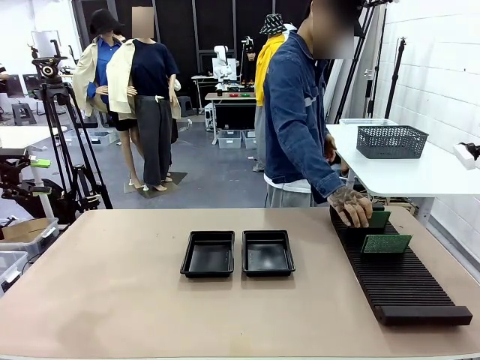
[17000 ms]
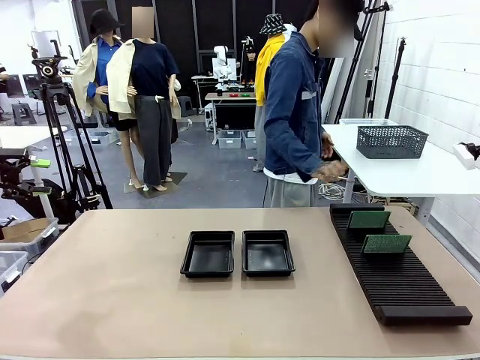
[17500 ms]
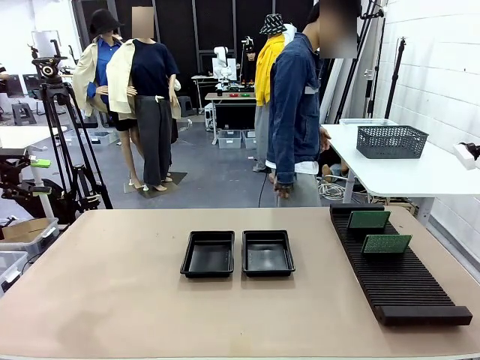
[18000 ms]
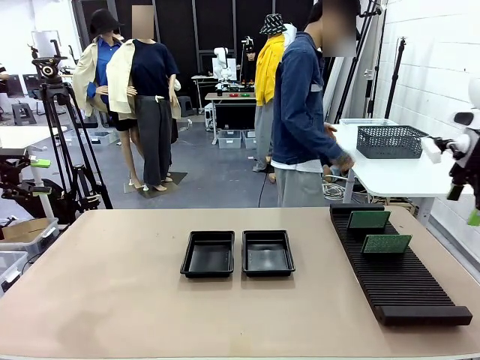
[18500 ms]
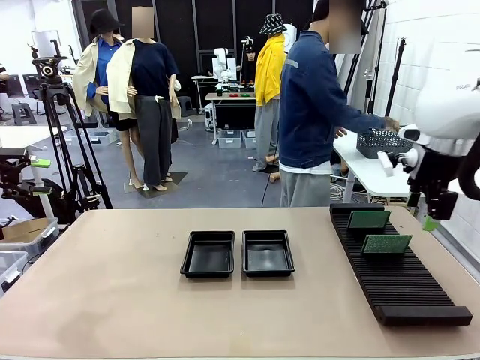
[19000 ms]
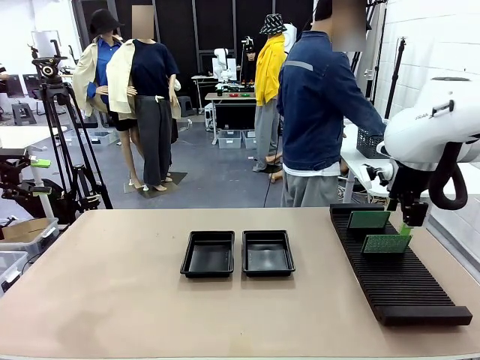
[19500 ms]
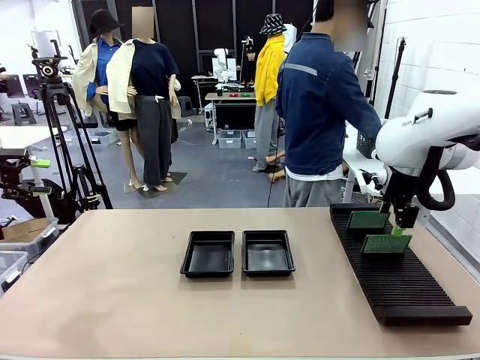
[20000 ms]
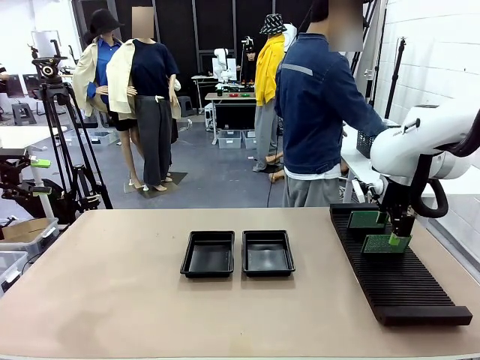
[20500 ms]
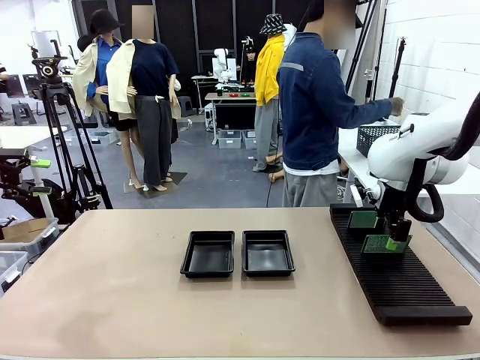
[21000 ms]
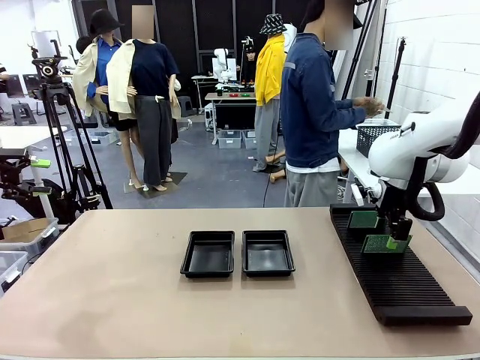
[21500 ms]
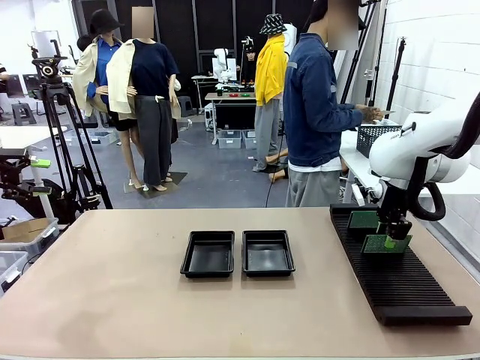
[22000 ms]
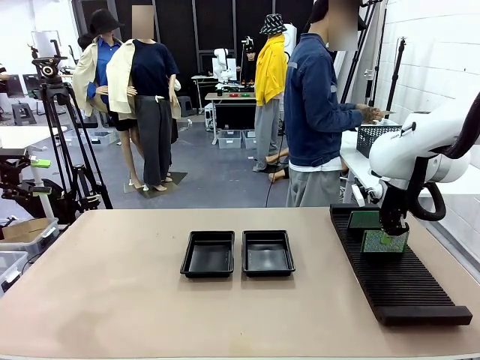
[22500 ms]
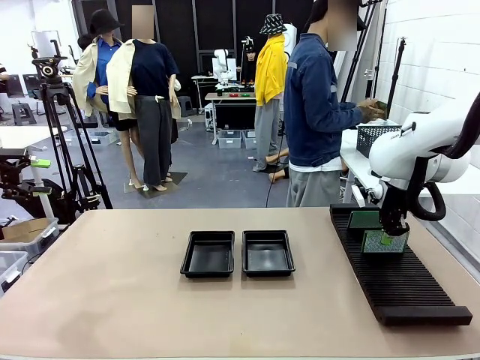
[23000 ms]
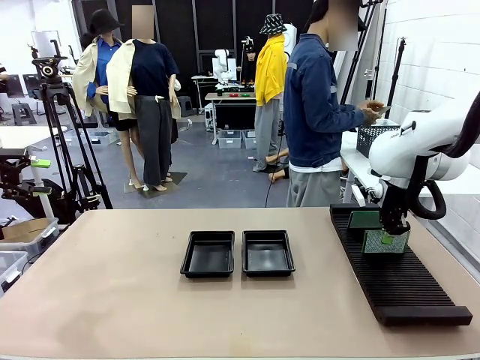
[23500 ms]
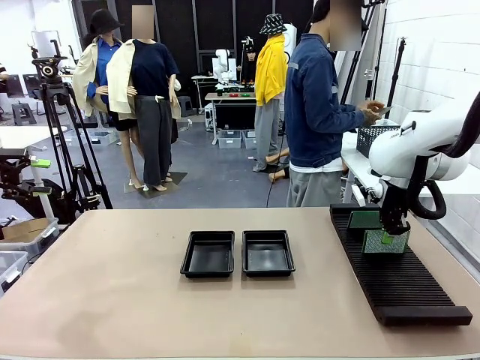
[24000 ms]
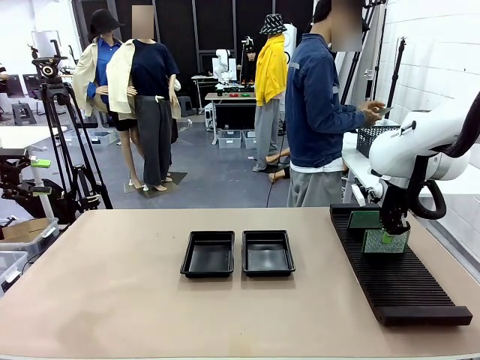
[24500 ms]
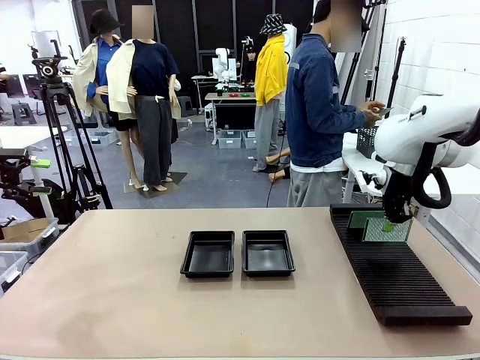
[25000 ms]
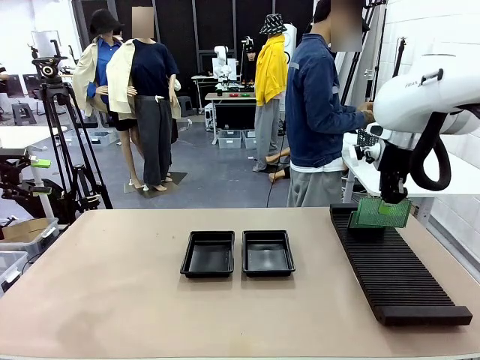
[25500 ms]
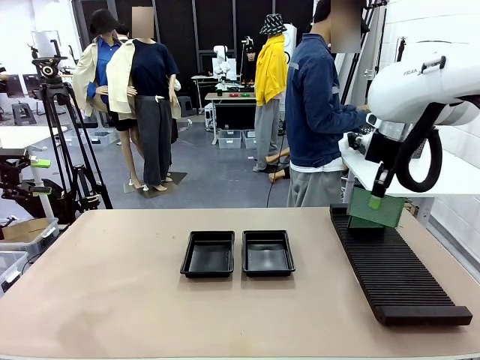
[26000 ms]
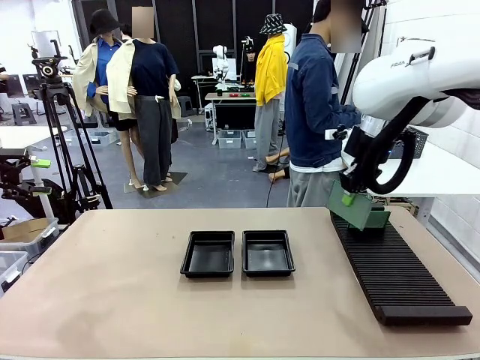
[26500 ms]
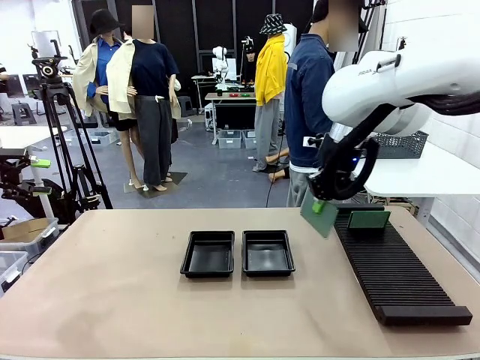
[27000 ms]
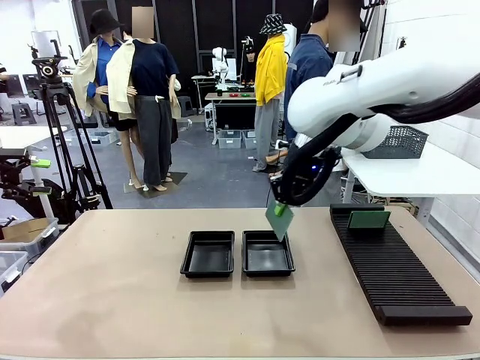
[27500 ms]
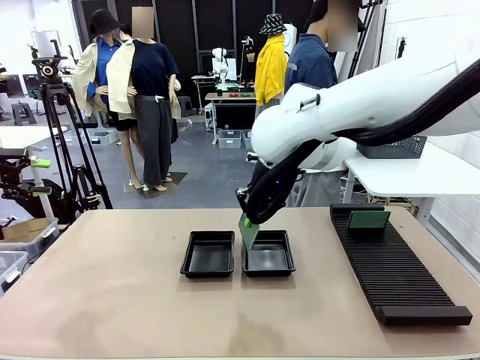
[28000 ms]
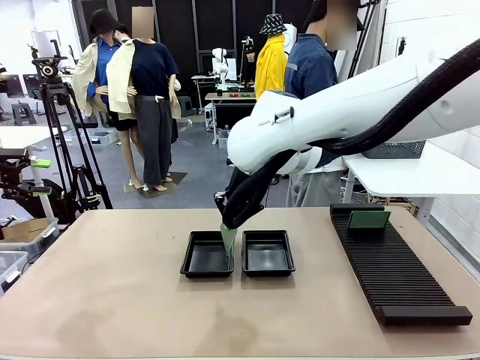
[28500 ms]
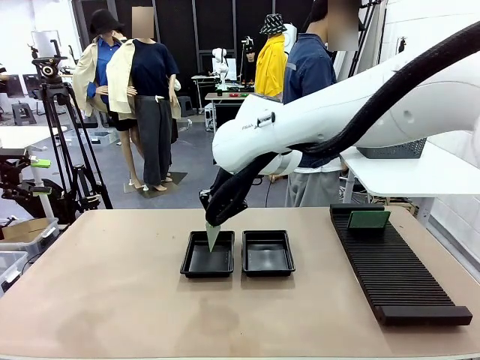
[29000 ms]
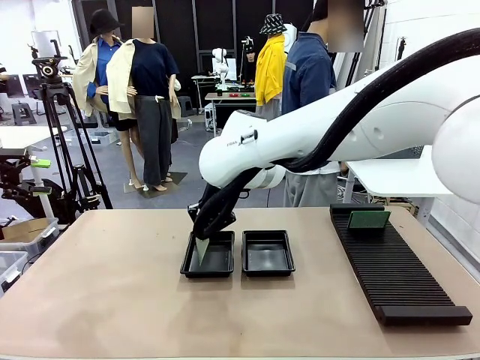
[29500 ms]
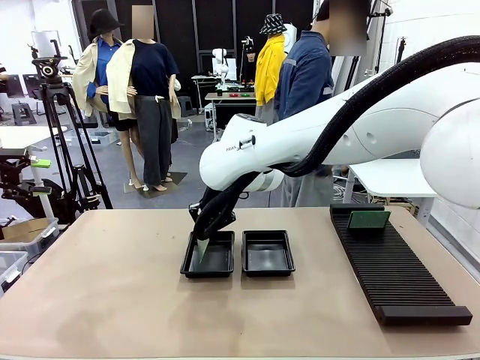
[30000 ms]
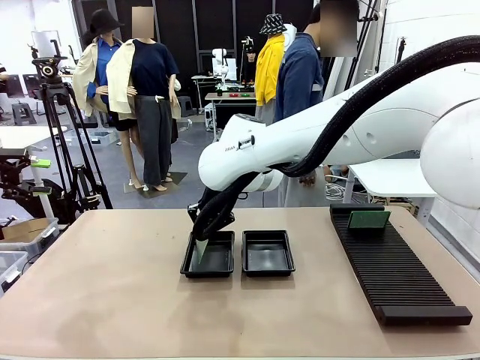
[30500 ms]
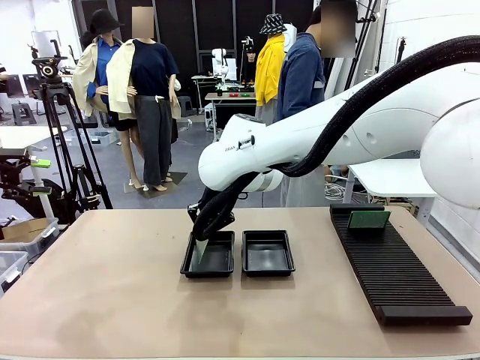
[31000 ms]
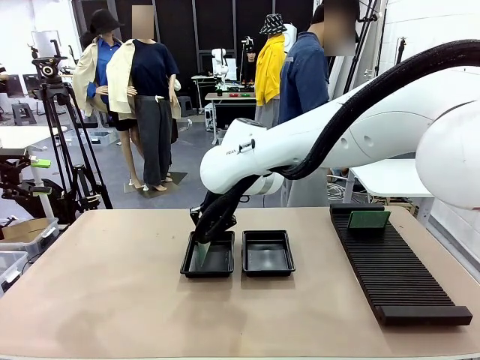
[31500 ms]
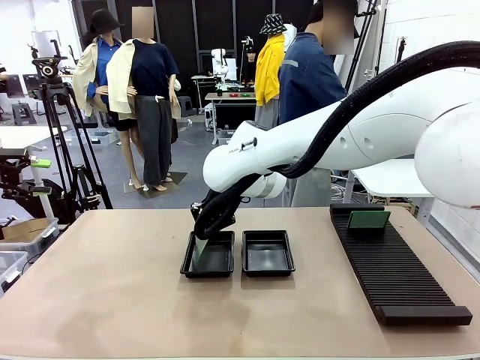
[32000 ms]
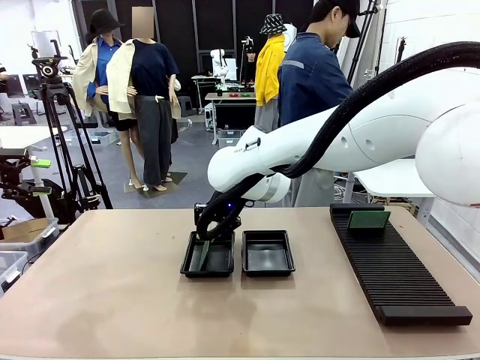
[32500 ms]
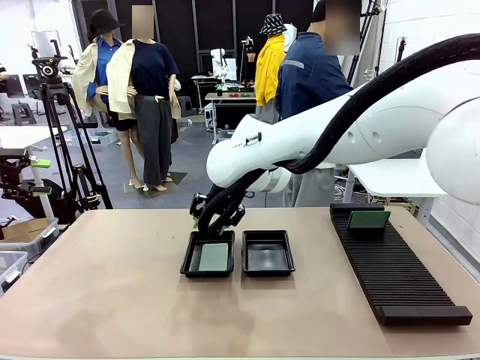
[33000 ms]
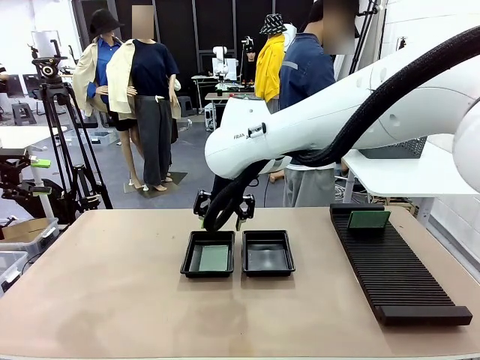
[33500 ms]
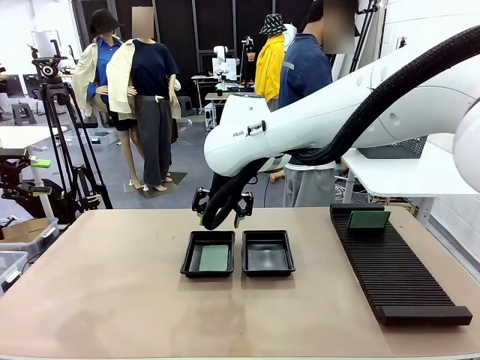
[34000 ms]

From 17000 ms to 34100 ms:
Task: Inspect and transfer BCBs to ESD trays.
Robot: Pick up the Blank PCB from the PCB Rack and place it in the left ESD tray.

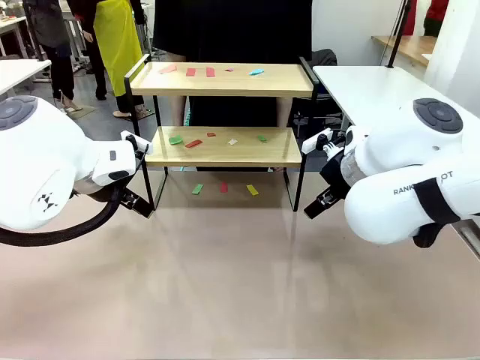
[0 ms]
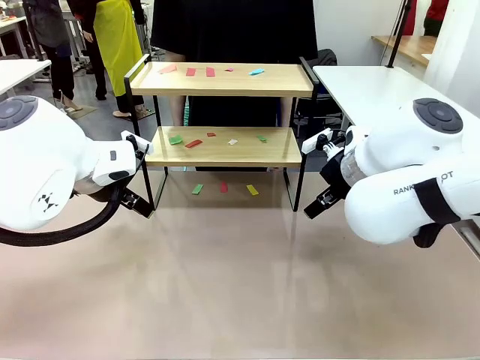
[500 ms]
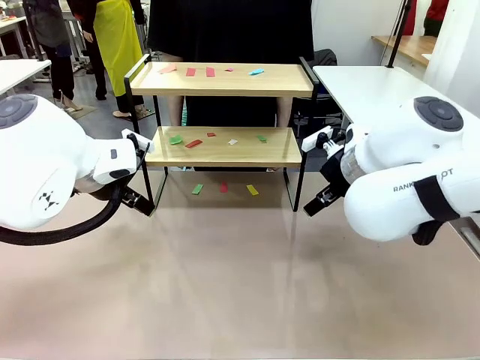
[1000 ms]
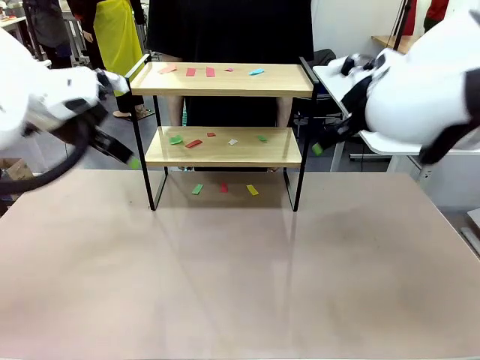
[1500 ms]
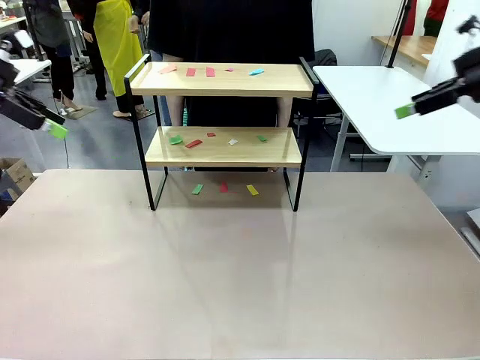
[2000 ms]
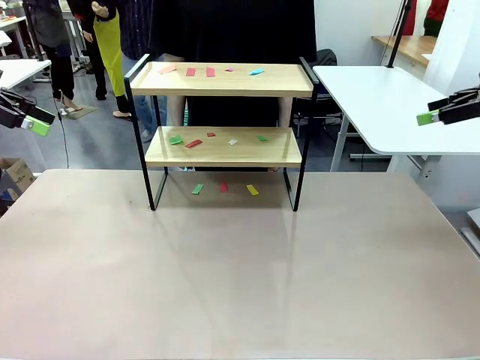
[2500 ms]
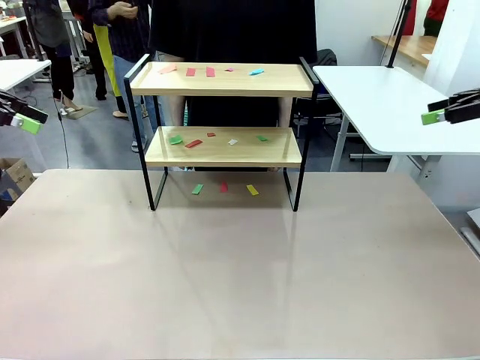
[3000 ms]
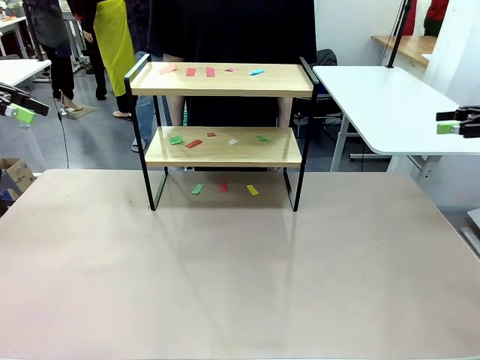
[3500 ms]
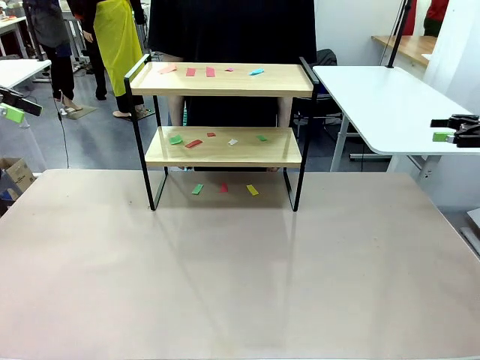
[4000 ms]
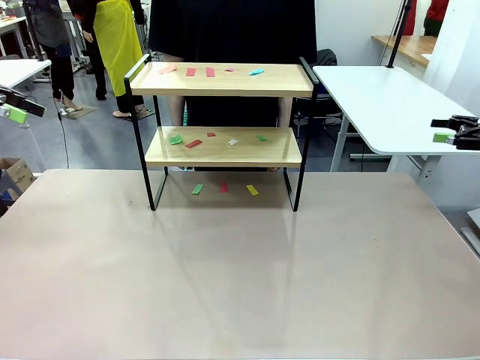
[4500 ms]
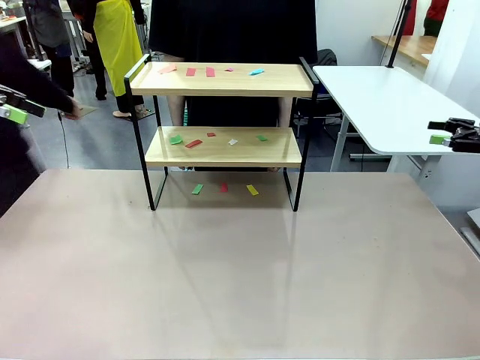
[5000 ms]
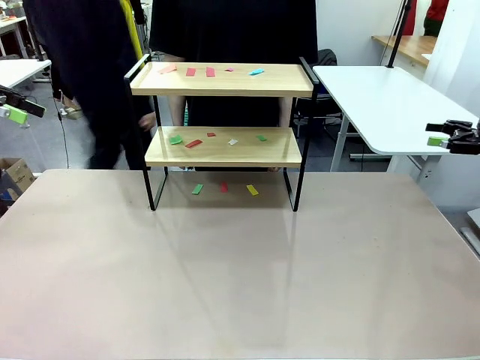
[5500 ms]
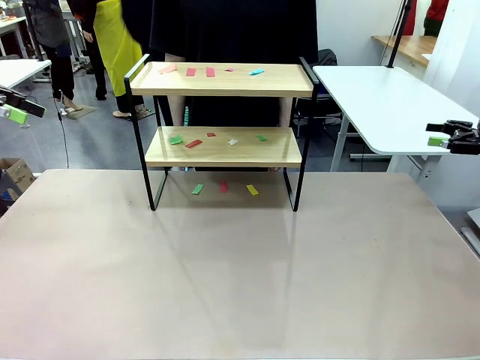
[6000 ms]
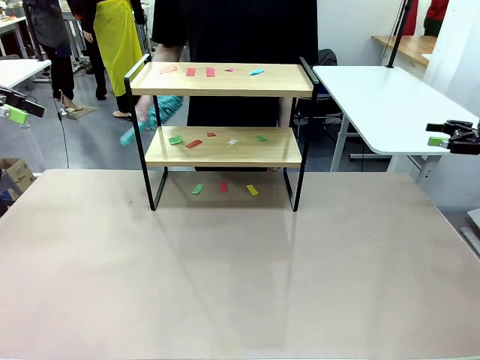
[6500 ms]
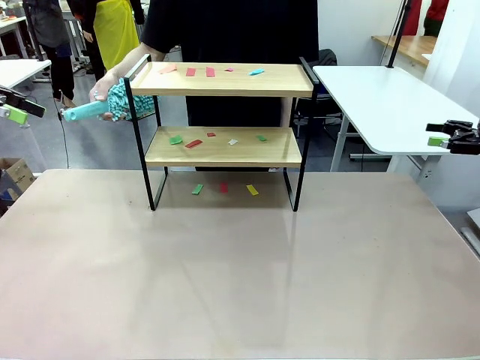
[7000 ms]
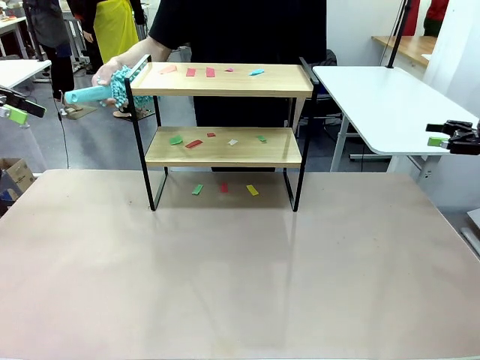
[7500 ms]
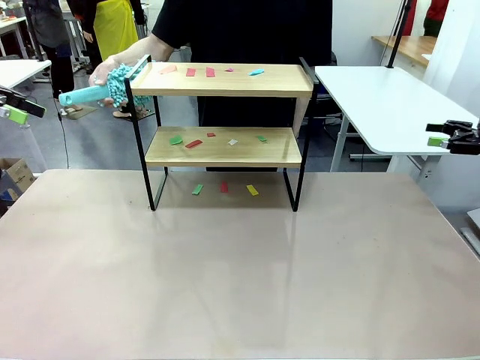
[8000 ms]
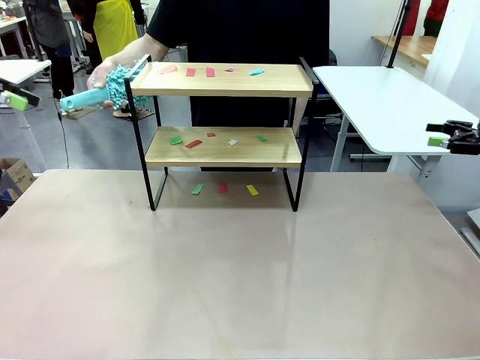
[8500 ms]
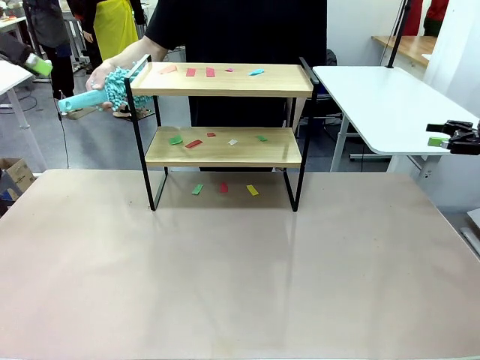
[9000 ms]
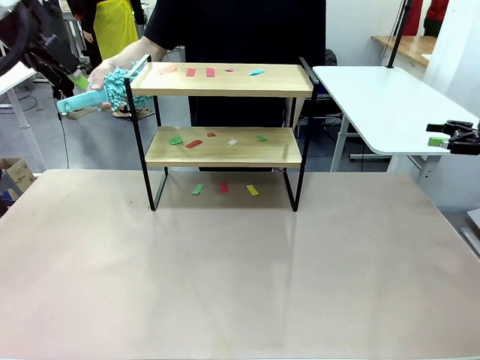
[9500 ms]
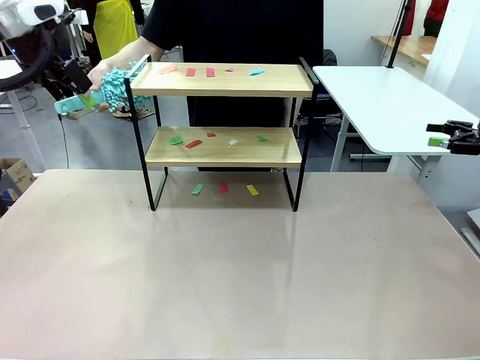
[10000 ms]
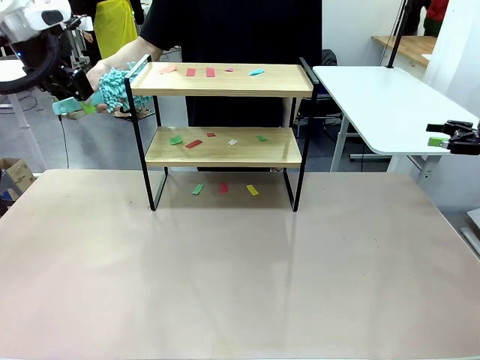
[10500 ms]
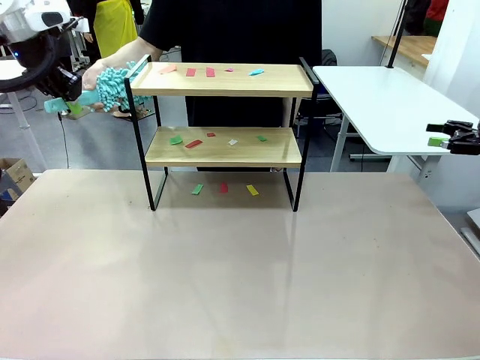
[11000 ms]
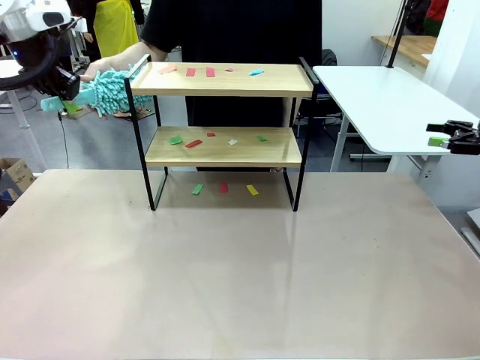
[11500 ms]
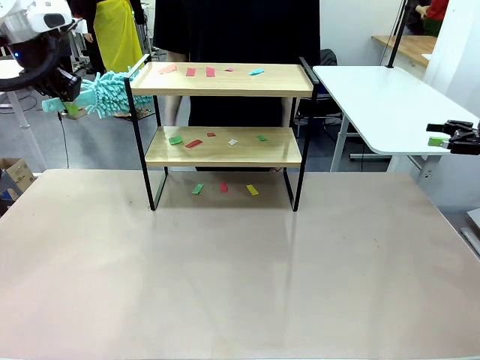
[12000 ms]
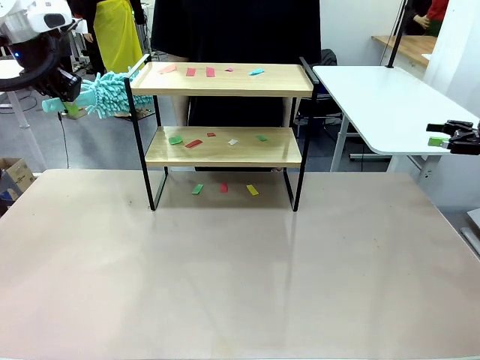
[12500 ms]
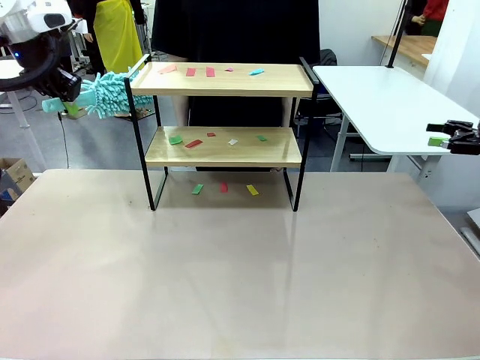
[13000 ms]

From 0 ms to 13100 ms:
Task: Clean the shelf.
Robot: Pick up the Duster handed by the human.
Person: Hand the Duster to the robot.
